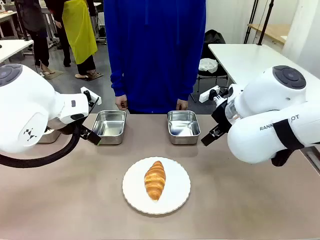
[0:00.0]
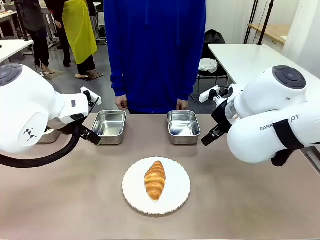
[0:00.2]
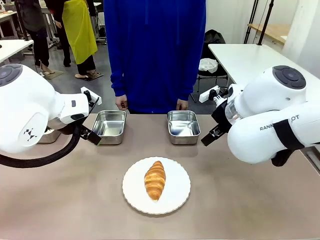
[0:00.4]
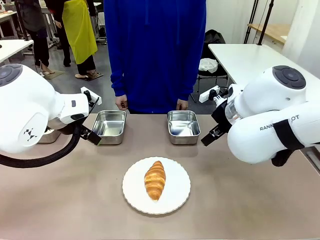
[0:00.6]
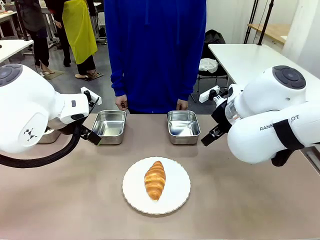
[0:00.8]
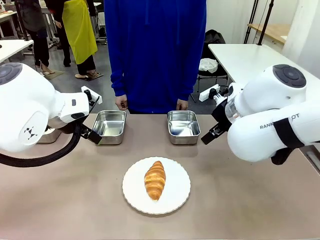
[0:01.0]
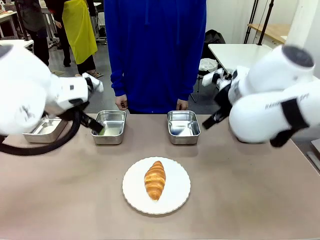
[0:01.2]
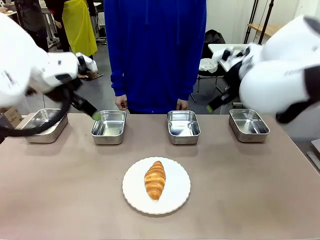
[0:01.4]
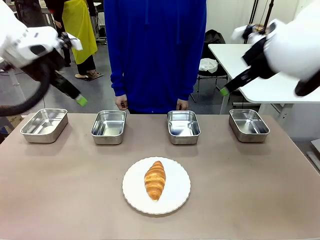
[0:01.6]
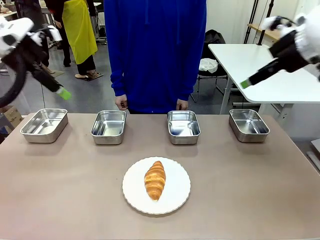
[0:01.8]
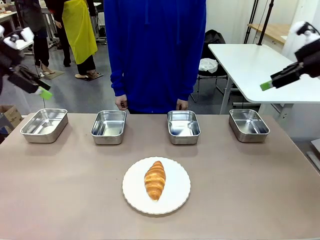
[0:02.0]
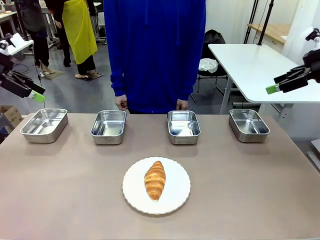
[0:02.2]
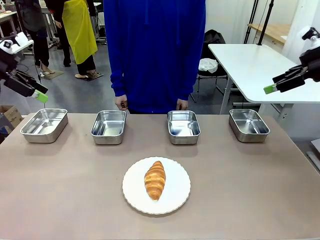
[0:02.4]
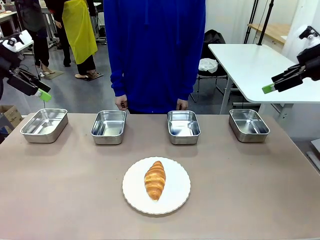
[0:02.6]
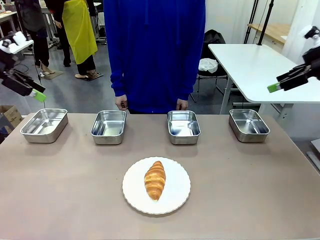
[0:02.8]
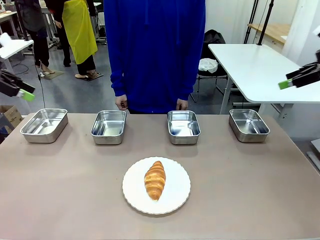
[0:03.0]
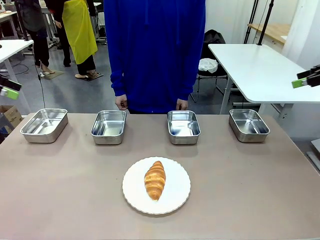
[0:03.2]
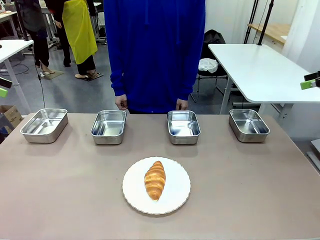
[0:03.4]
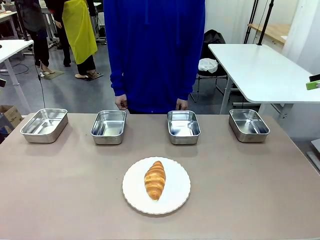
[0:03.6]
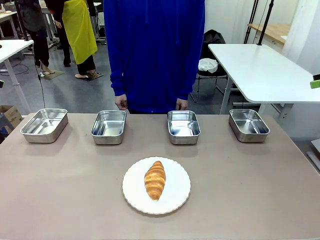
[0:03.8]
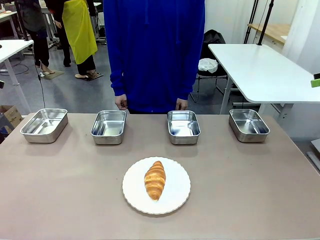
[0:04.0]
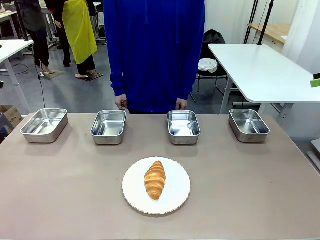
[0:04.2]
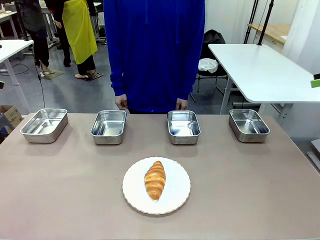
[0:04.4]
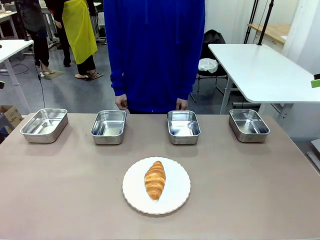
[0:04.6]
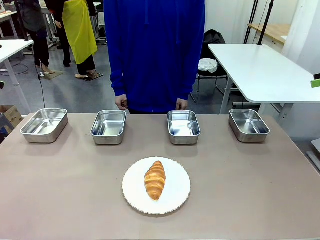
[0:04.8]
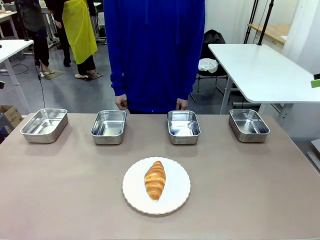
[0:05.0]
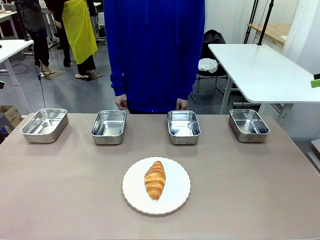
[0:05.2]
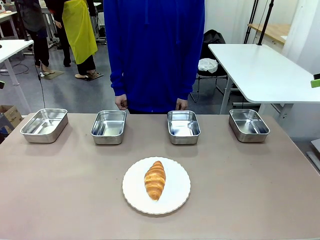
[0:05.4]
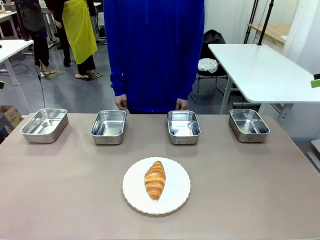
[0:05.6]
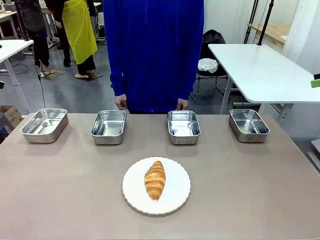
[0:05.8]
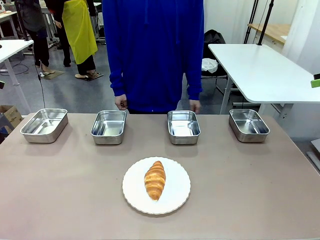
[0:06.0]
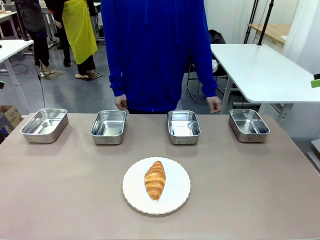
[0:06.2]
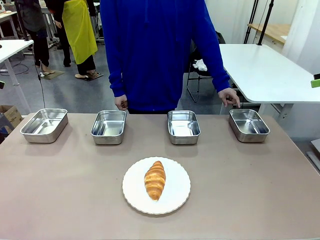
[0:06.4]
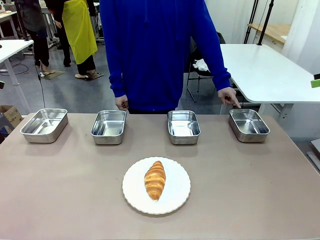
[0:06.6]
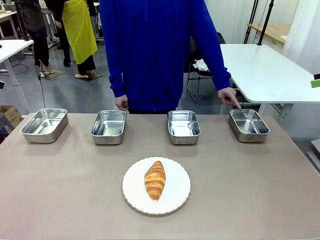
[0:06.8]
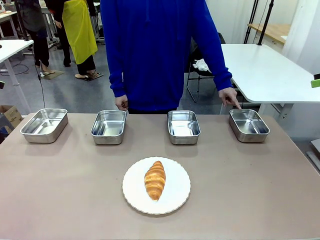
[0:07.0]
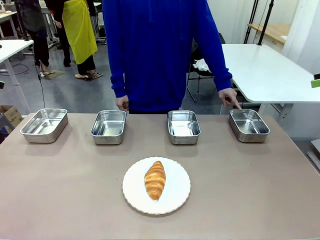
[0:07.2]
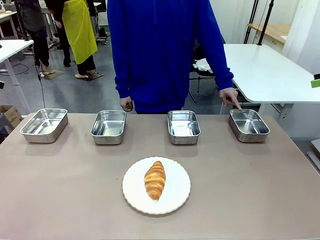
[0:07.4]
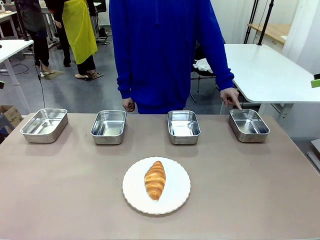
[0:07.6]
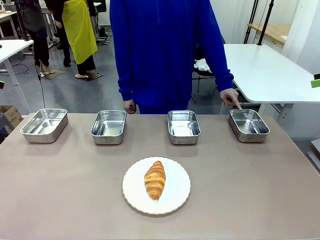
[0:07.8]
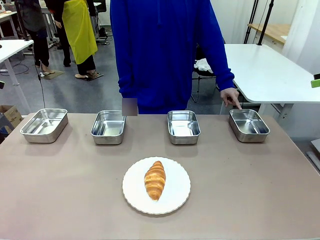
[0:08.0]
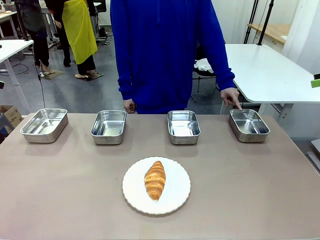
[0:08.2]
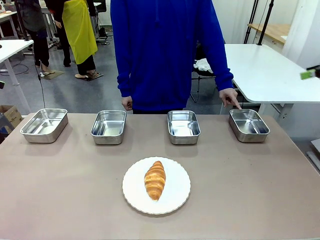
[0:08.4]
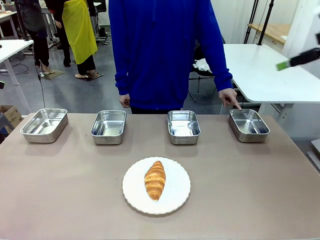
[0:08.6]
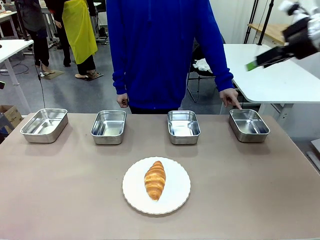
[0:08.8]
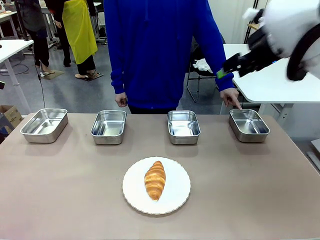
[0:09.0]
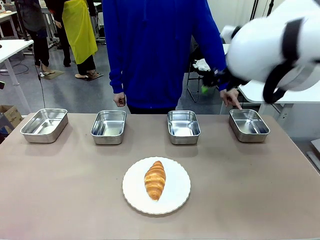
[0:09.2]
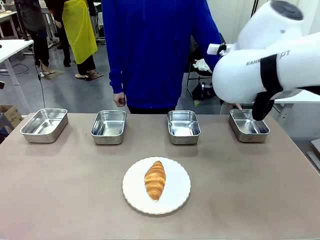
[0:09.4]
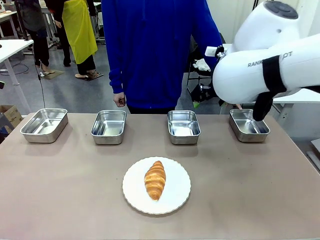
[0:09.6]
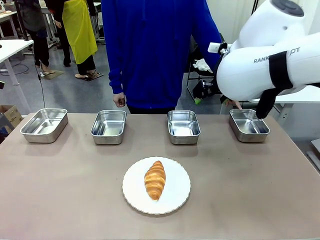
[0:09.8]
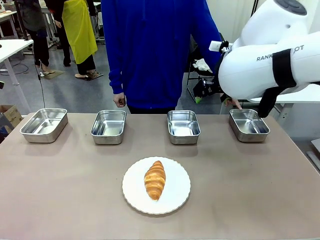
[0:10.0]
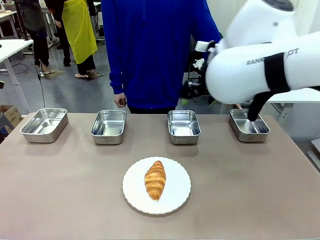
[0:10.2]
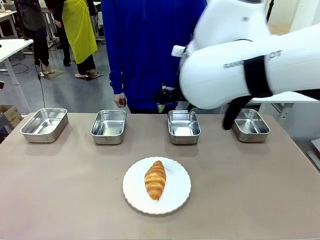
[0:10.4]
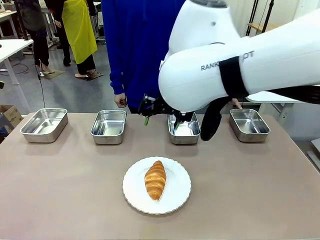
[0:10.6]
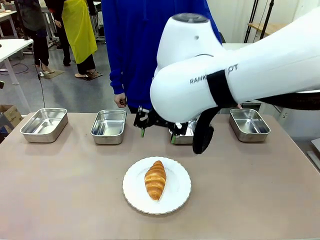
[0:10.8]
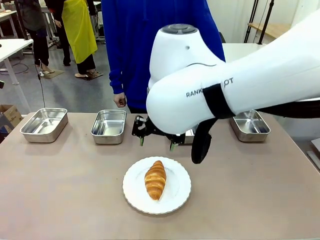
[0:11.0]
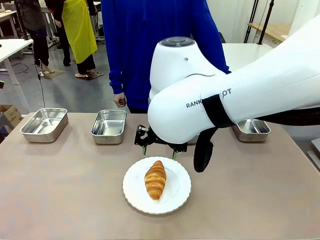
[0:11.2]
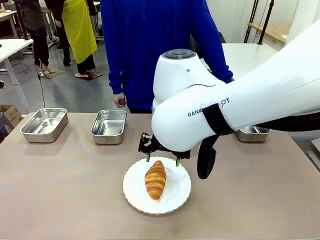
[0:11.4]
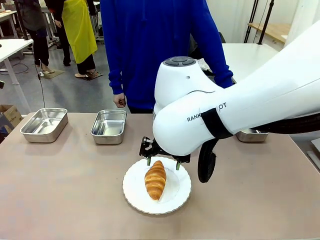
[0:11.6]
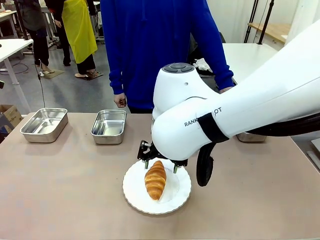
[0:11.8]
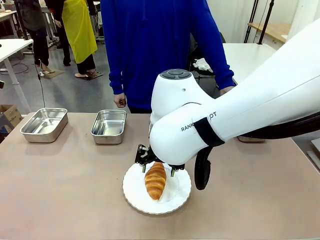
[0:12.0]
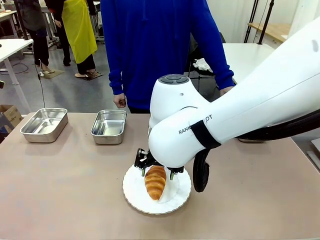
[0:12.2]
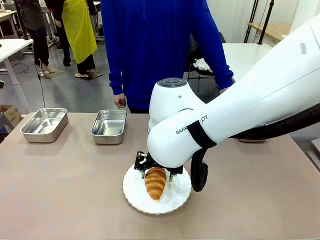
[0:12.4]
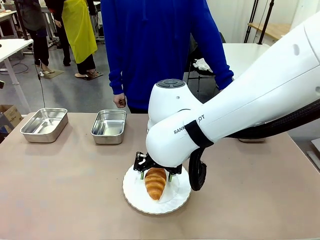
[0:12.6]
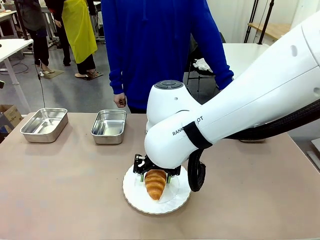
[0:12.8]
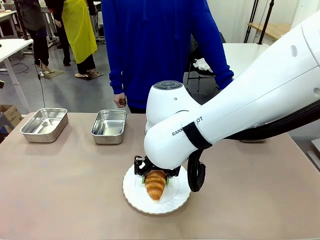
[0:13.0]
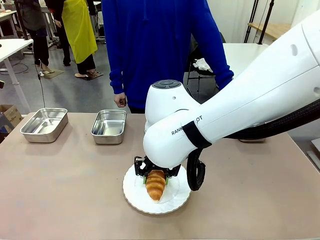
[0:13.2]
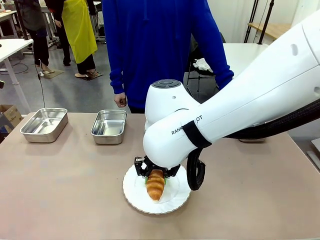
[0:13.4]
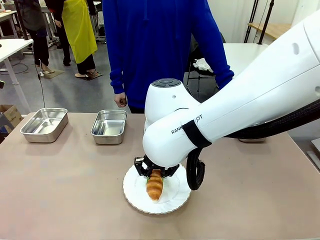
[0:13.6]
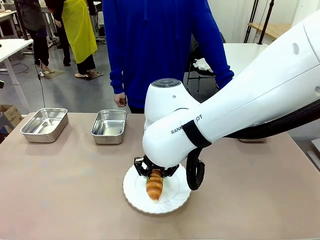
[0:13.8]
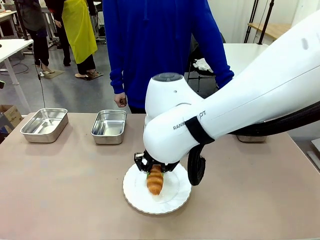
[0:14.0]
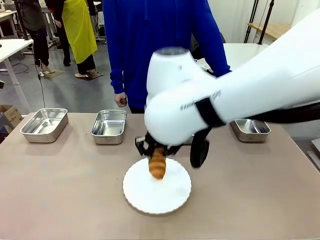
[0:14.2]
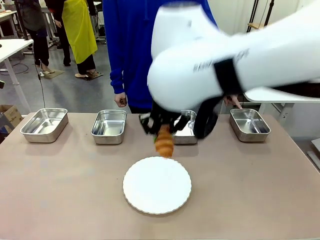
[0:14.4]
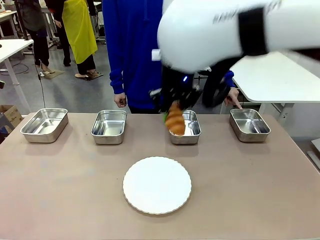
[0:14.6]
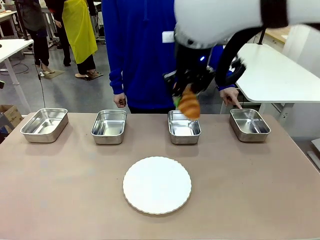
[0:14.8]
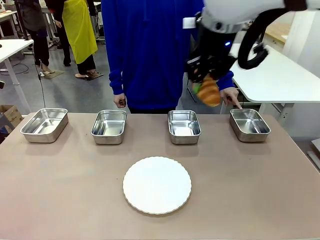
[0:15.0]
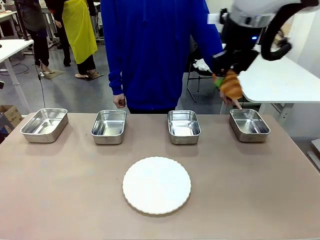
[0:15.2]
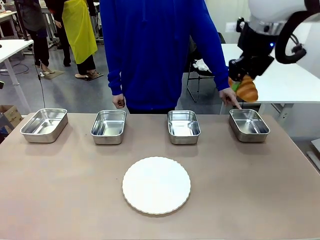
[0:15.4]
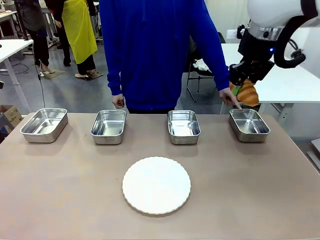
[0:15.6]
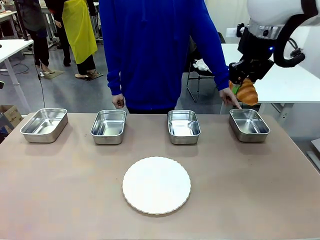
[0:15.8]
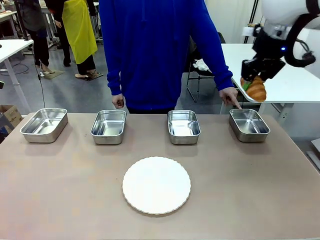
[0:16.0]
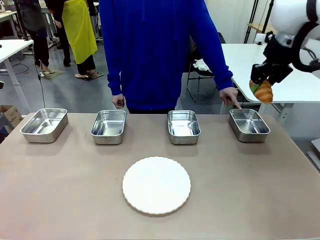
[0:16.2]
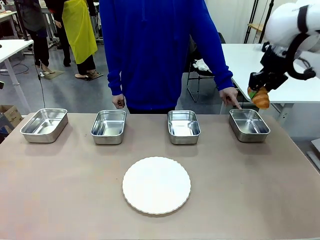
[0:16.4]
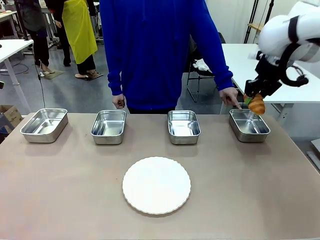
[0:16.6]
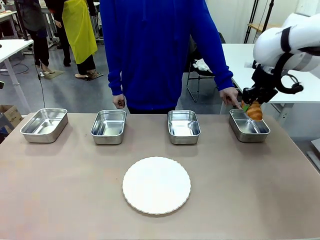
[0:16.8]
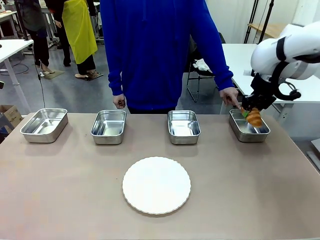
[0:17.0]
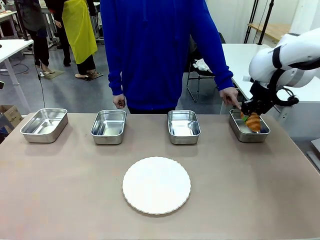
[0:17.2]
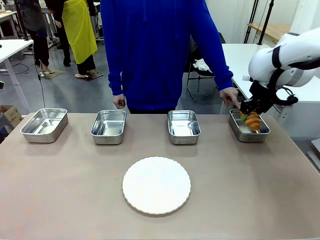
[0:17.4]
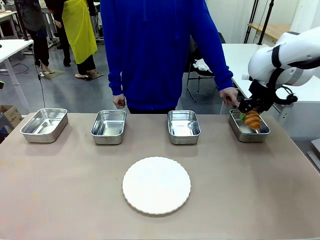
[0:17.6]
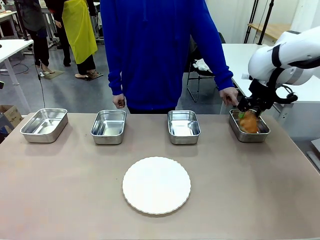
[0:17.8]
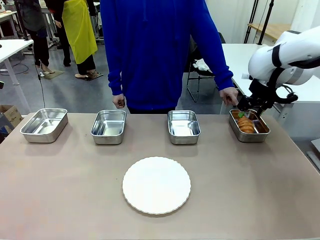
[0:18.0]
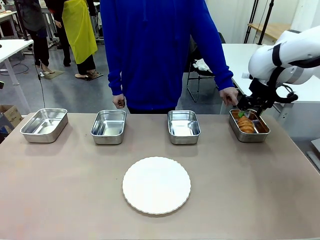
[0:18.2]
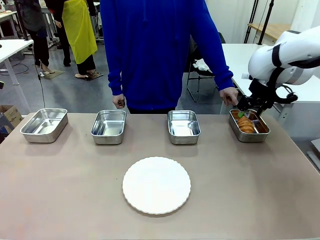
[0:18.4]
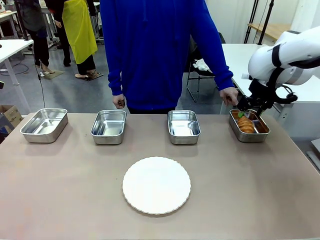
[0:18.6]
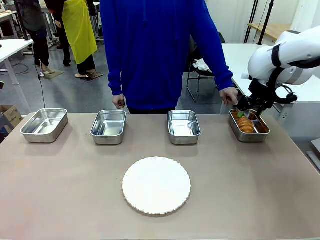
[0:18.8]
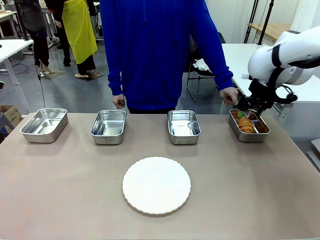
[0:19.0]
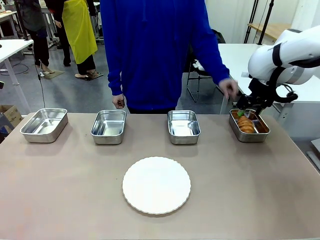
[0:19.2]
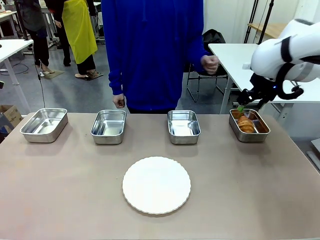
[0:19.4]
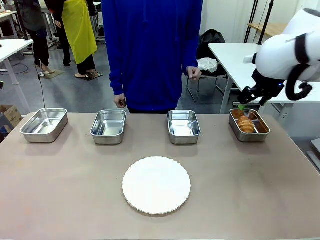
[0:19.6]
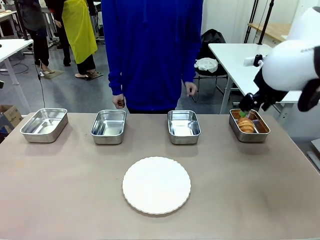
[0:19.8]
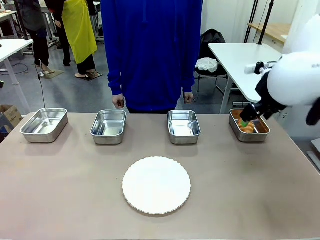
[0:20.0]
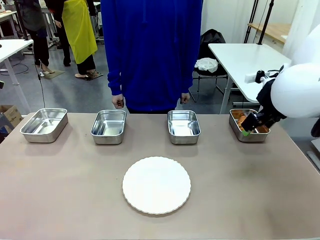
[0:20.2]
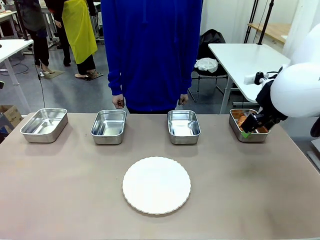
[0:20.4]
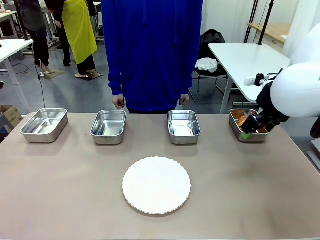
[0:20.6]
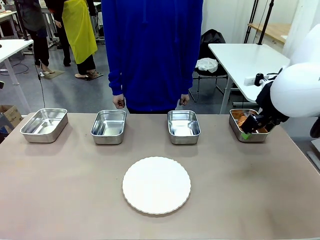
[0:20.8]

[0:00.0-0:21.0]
Task: Place the bread in the container.
Robot: Place the Butter Roll into the Airtight Container indicated by the human.
Person: A person randomly selects and points to an Airtight Container.
